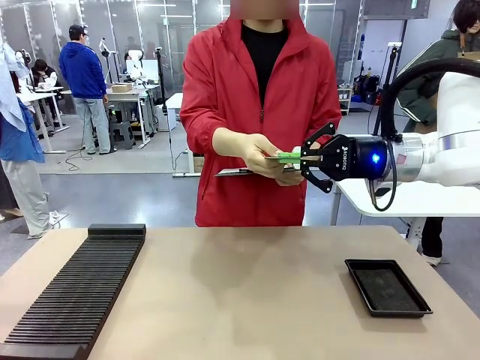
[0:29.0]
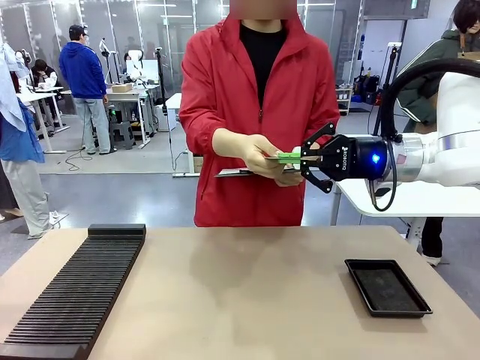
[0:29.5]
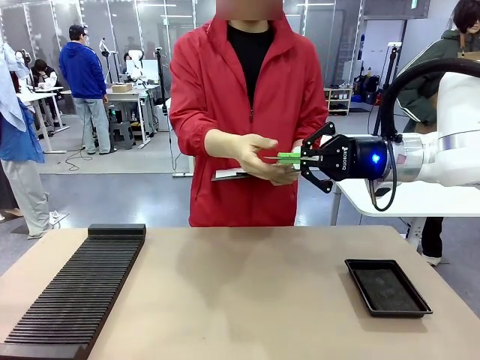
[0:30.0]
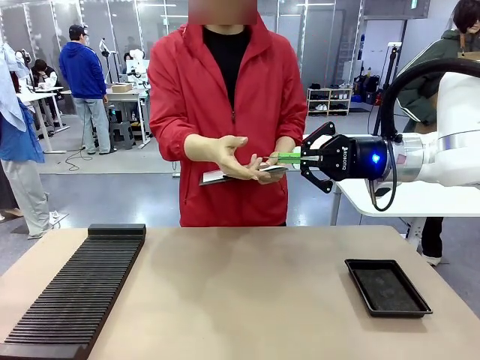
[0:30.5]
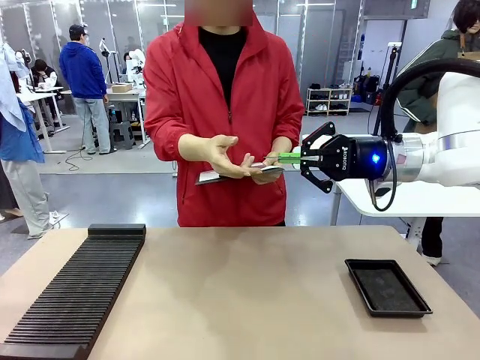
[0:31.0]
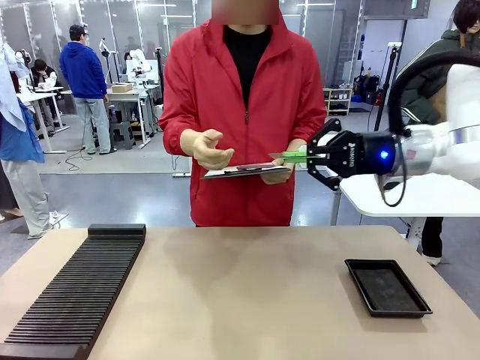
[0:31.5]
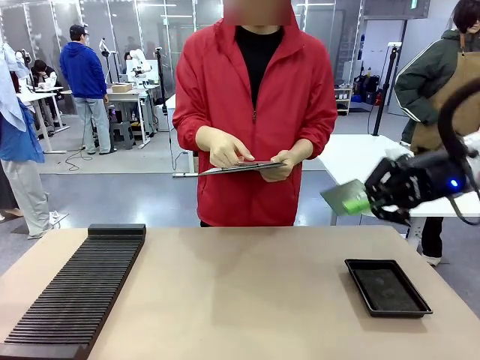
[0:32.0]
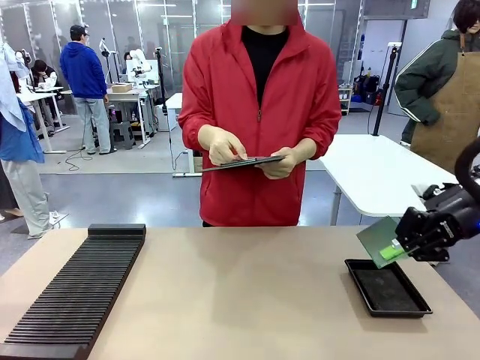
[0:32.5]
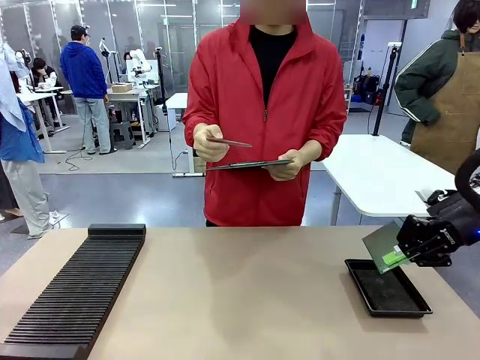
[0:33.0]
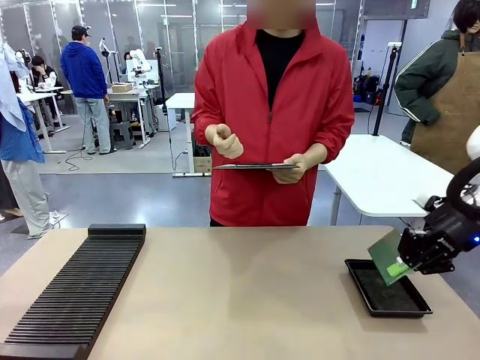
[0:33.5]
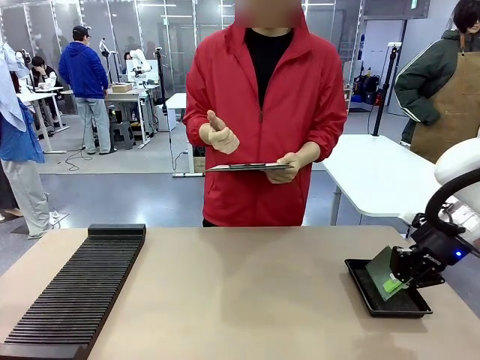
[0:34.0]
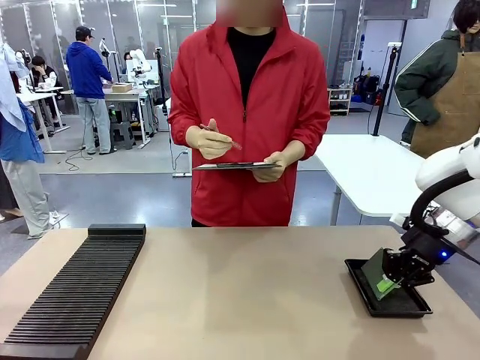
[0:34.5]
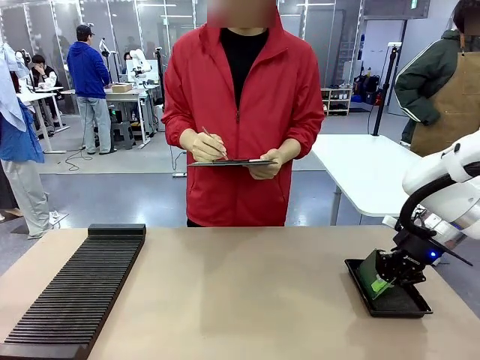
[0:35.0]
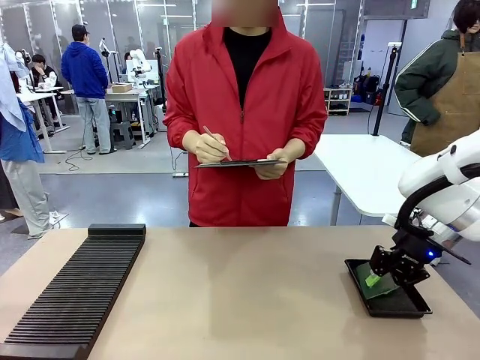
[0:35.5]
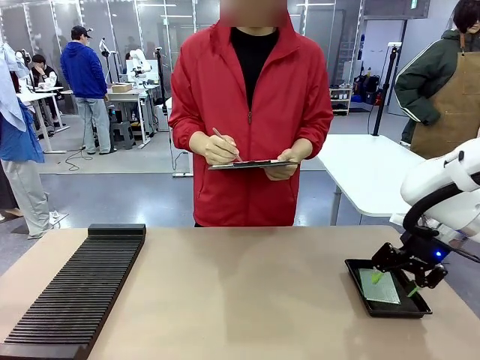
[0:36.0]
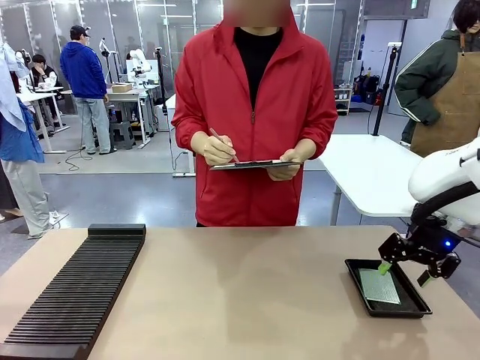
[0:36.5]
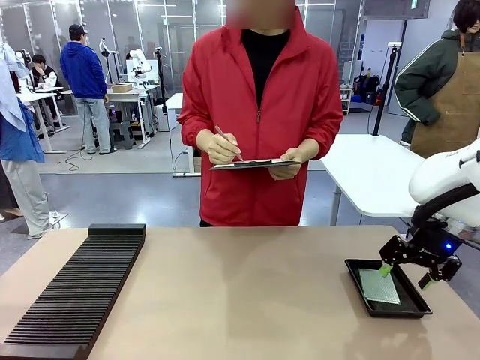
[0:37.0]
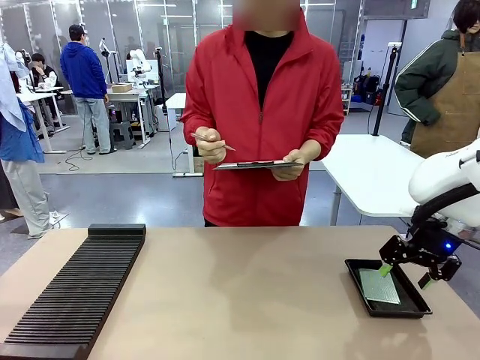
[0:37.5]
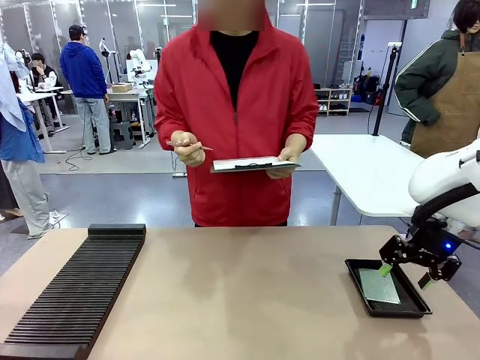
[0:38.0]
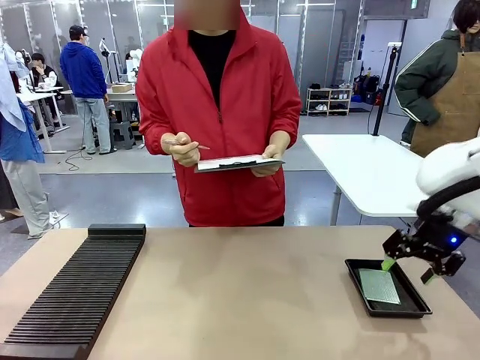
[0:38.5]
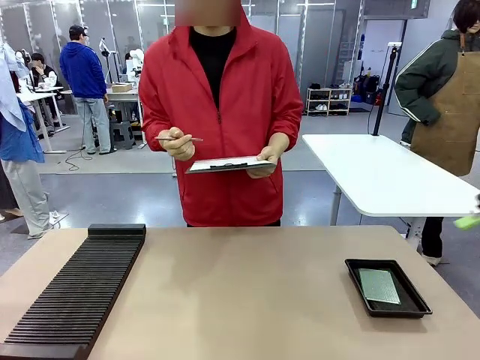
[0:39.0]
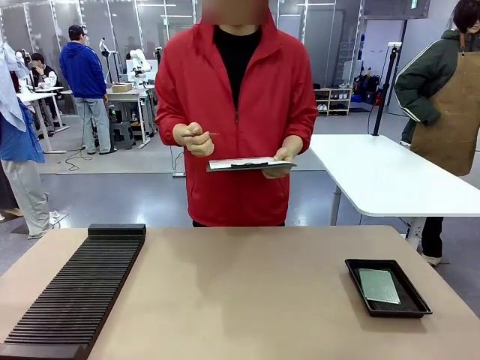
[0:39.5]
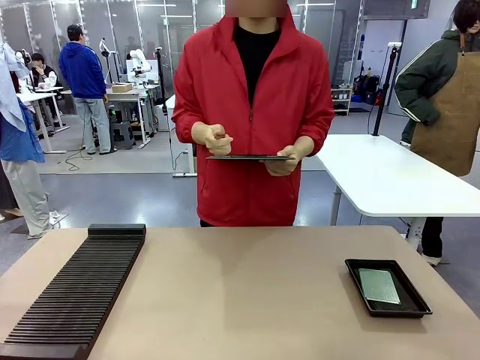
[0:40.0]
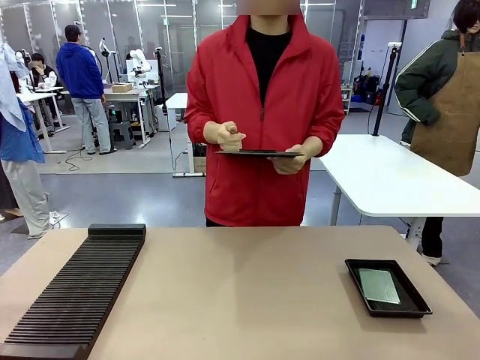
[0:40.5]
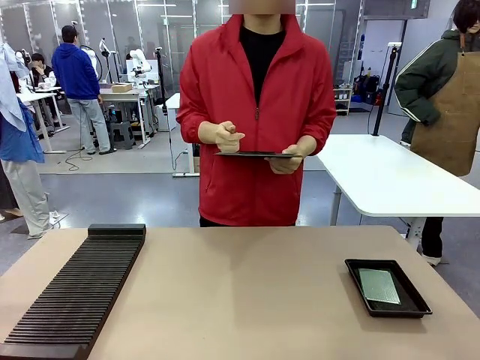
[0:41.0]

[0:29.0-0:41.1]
Task: Inspect the PCB.
Robot: Place the Blank PCB in the ESD tray.
Person: Record the PCB status on the paper.

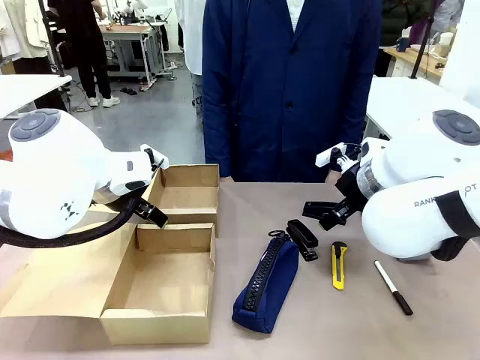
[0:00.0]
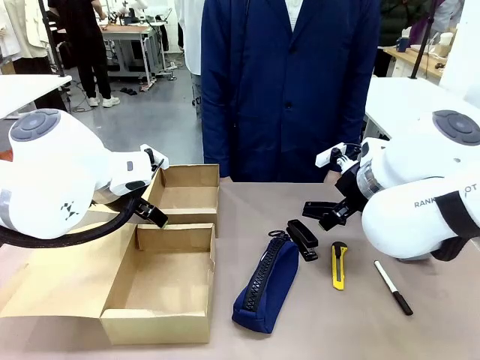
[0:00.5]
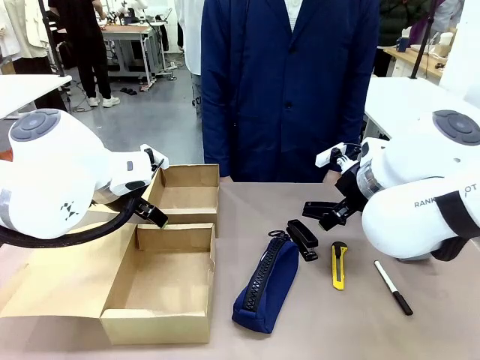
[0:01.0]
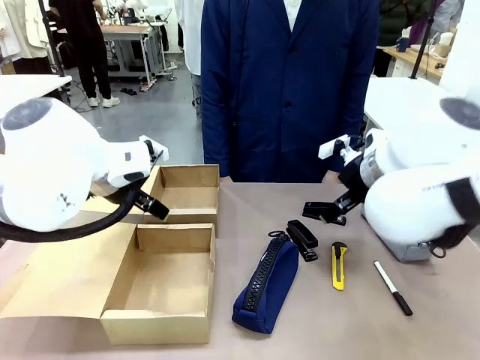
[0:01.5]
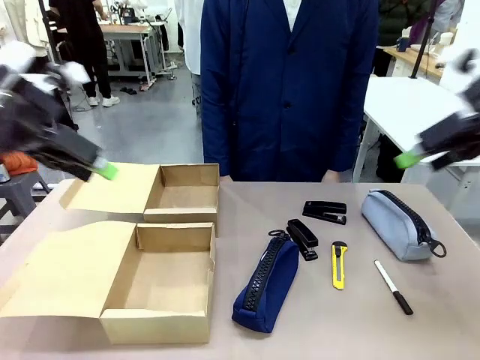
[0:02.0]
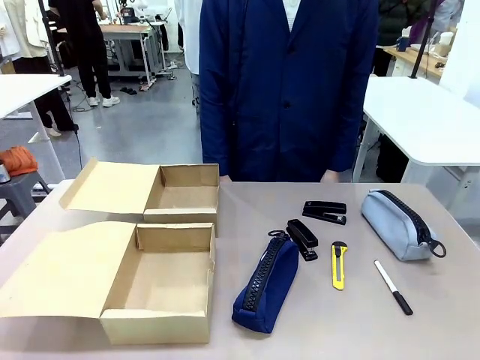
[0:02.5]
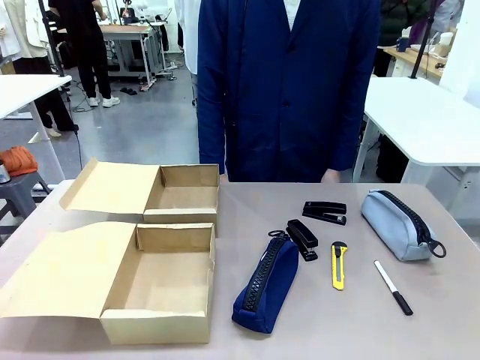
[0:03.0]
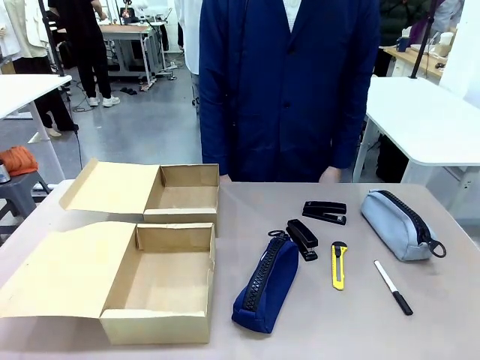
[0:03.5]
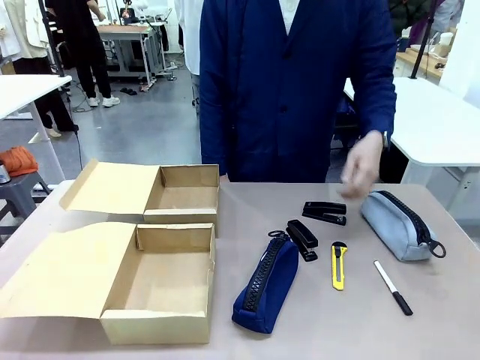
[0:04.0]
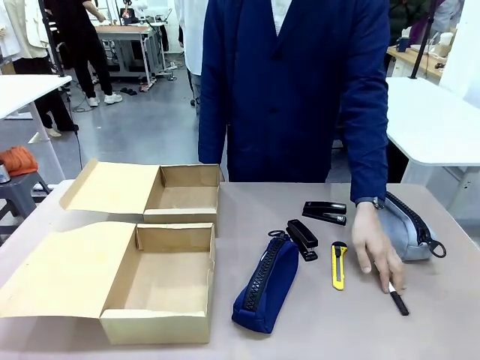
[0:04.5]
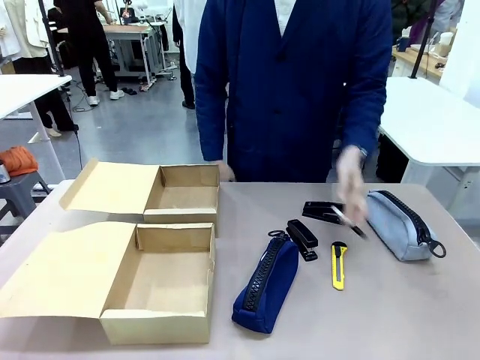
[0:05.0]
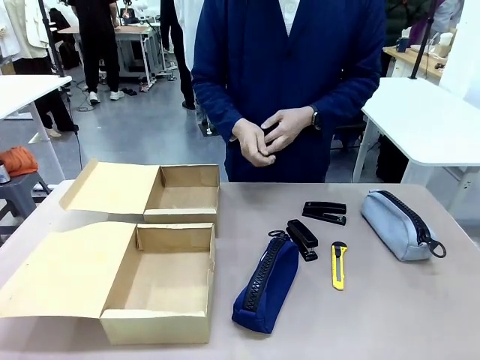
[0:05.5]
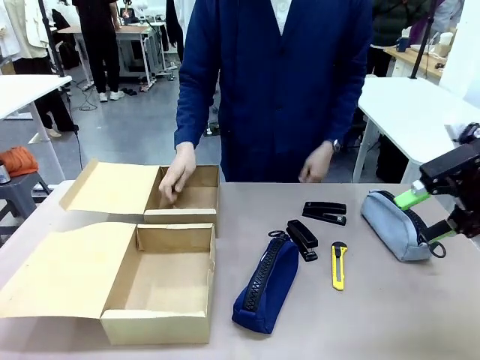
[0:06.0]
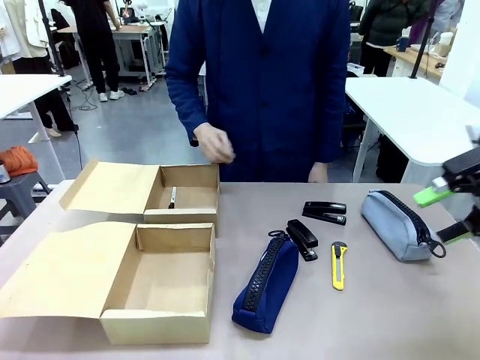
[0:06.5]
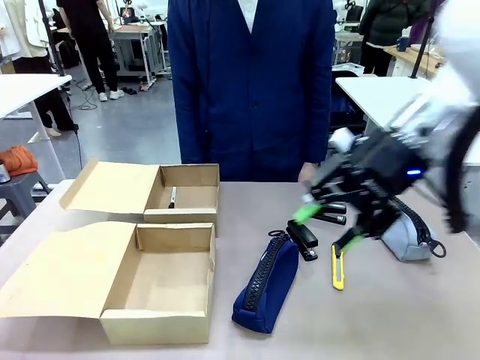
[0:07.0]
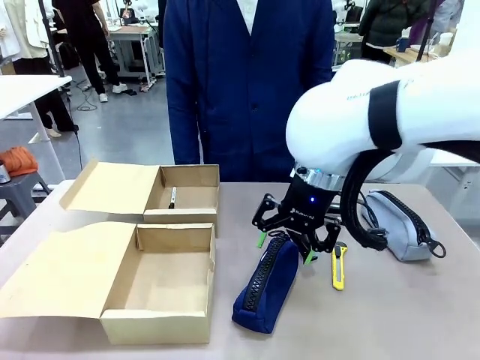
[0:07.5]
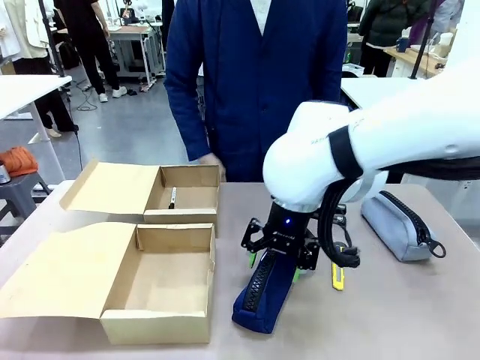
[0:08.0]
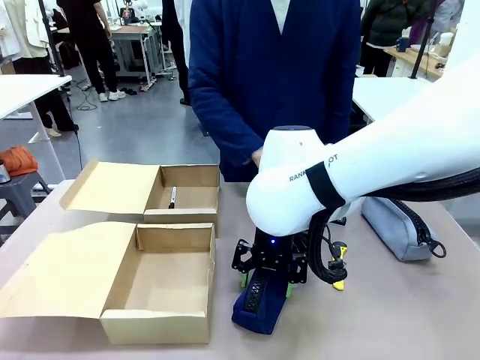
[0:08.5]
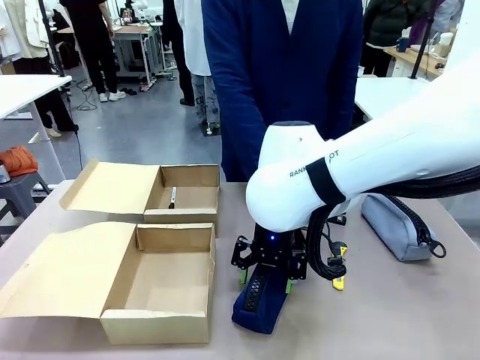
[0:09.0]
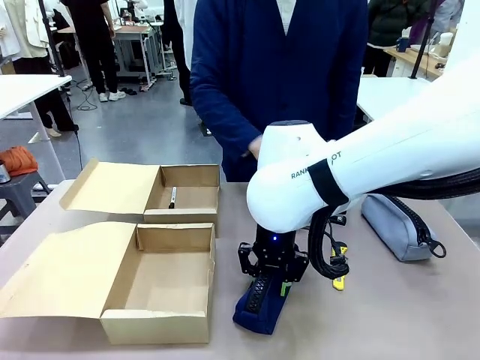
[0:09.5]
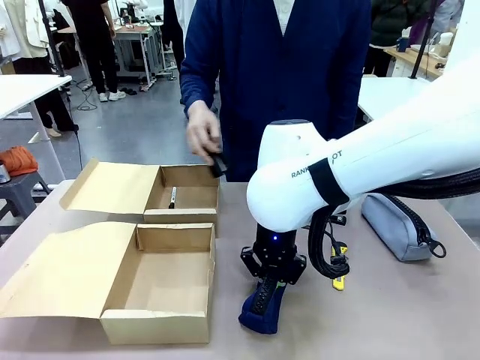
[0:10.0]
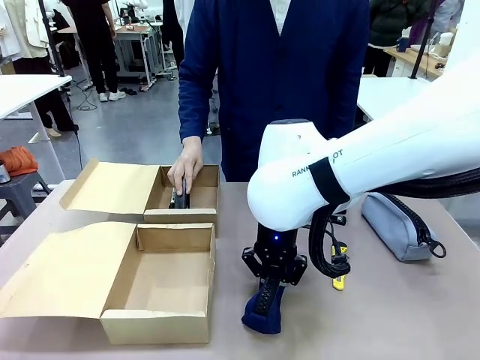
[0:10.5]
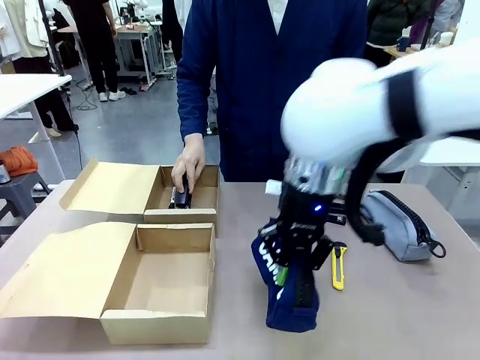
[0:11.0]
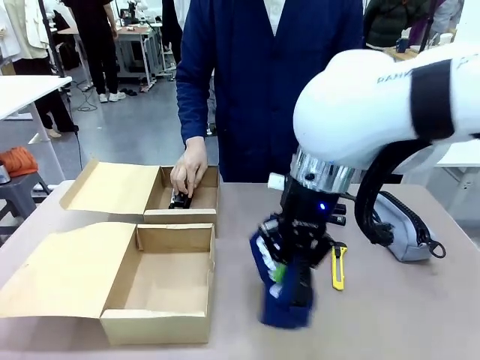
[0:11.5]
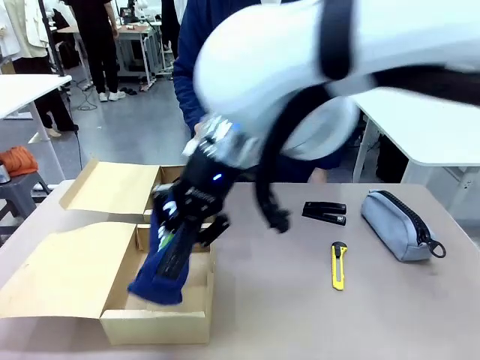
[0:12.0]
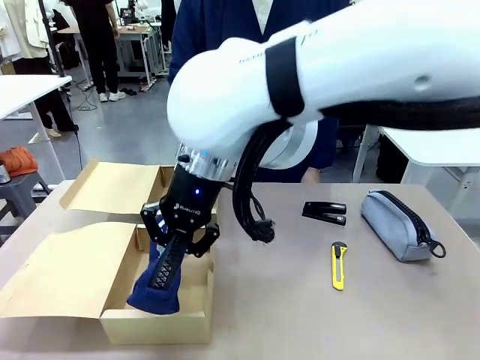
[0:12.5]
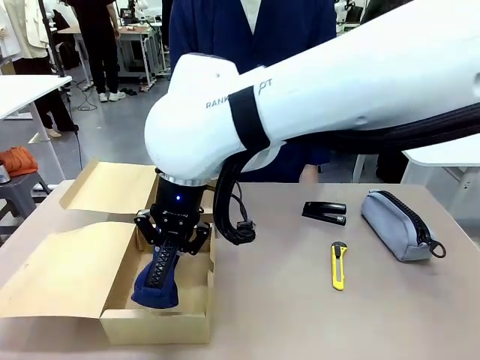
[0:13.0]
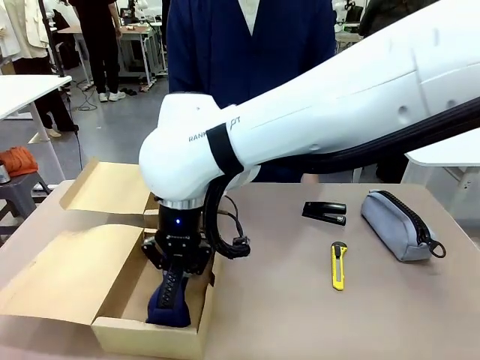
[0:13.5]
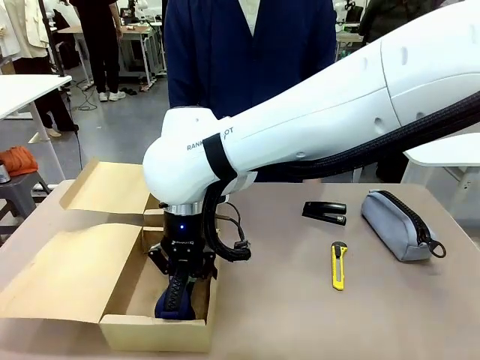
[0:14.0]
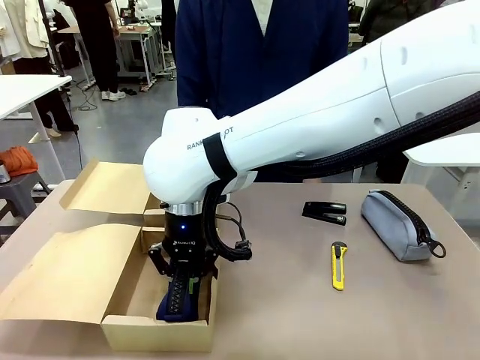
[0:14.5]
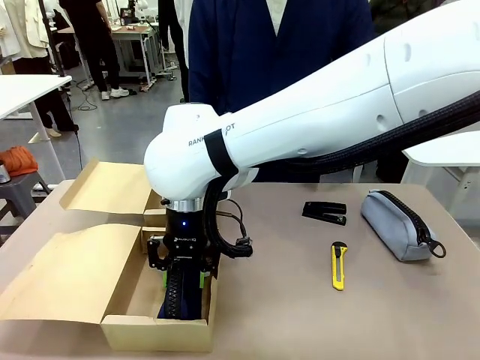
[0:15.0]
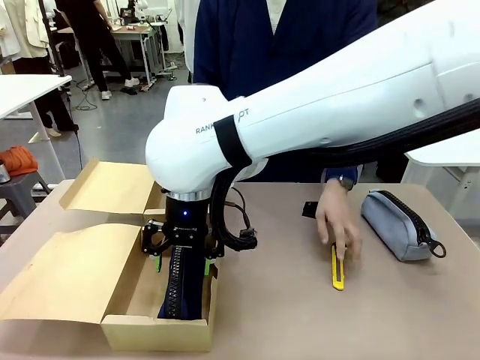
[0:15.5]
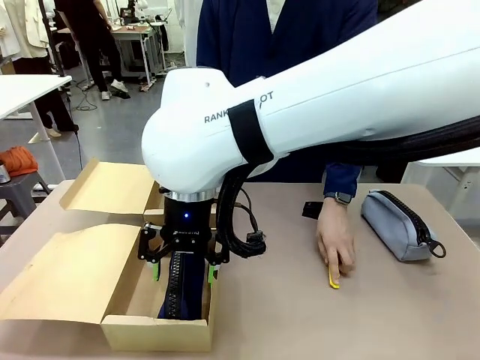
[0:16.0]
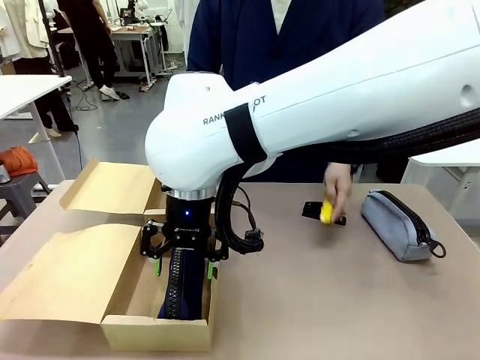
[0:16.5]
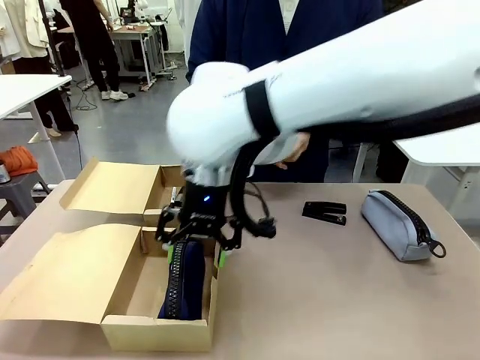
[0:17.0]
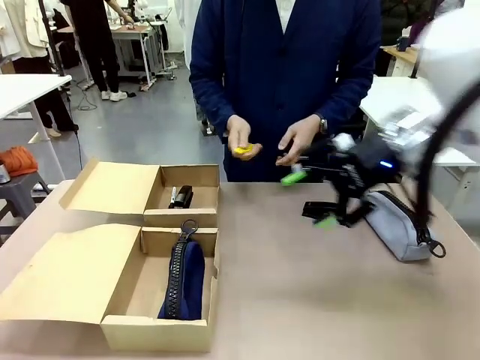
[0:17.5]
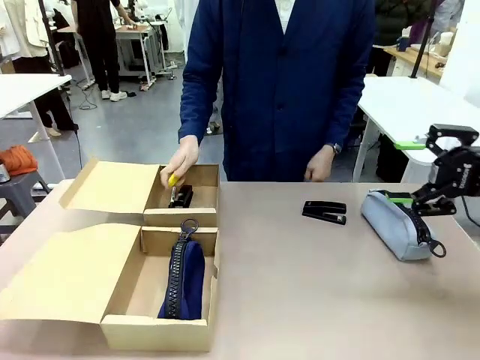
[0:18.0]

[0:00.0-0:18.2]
Task: Place items inside the box.
Robot: Pick up a Pencil pouch or Stapler and place it inside the Mailer Box closest to the robot.
Person: Pick up an object on the table and put it in the box.
